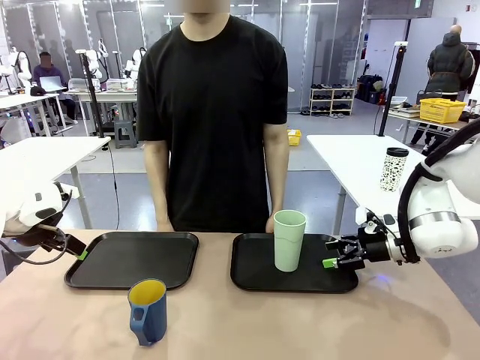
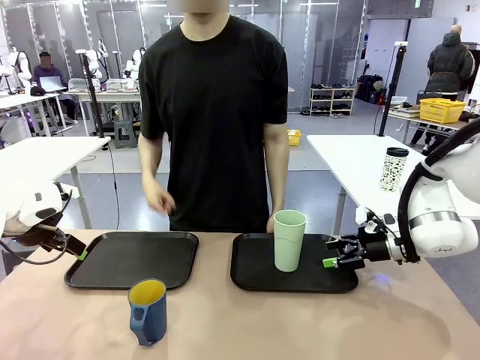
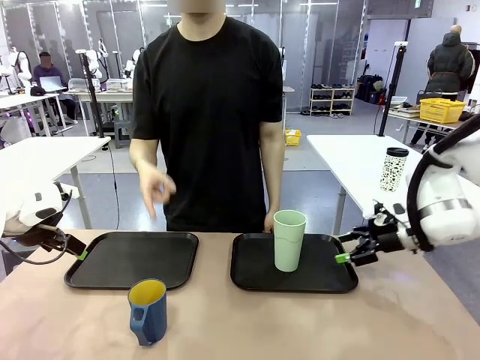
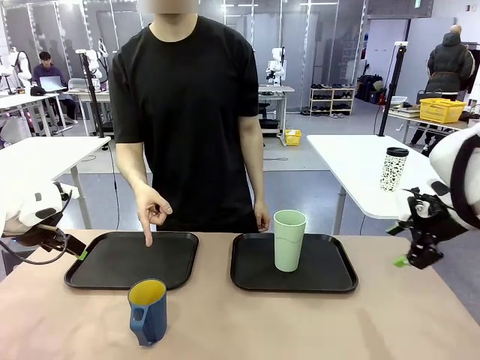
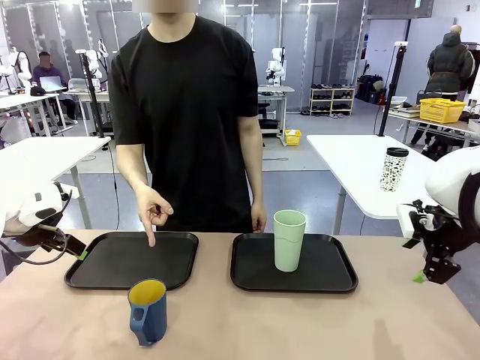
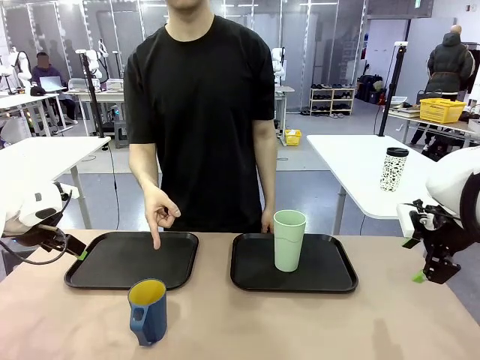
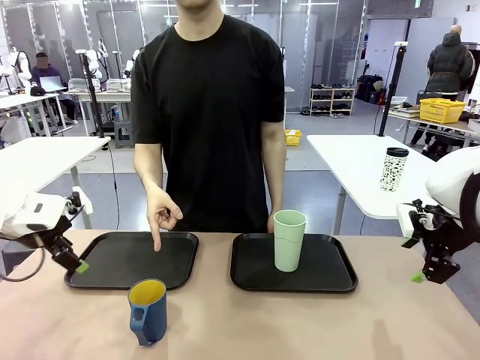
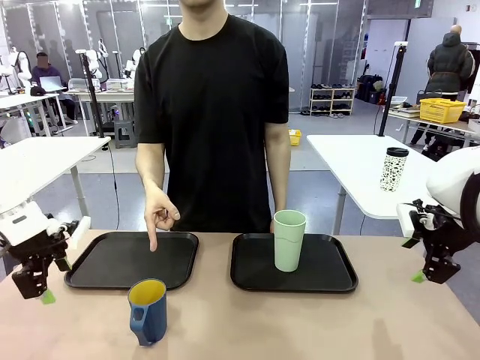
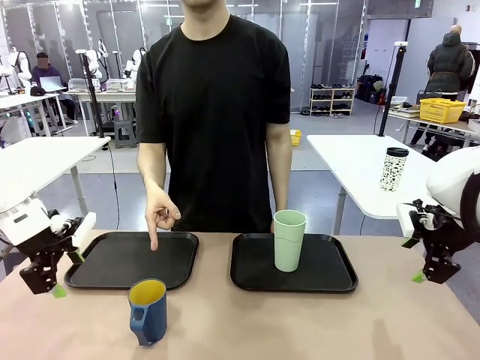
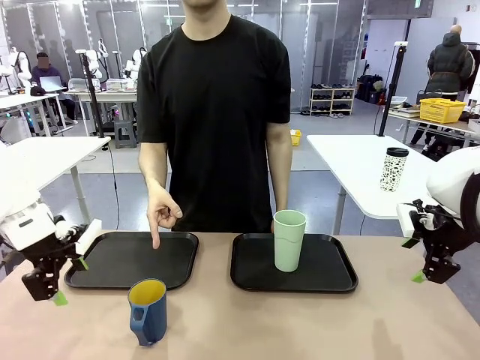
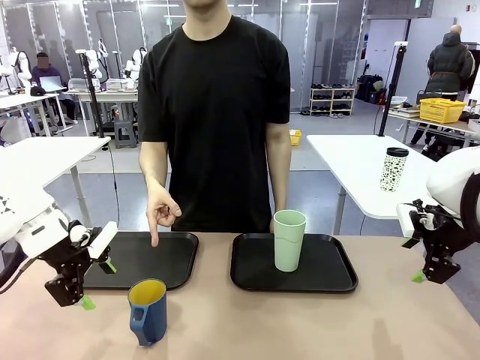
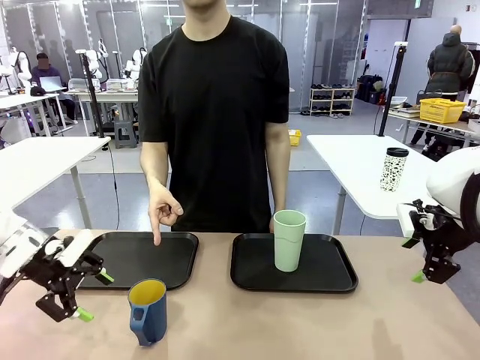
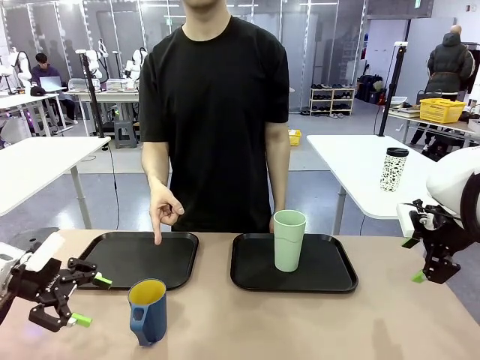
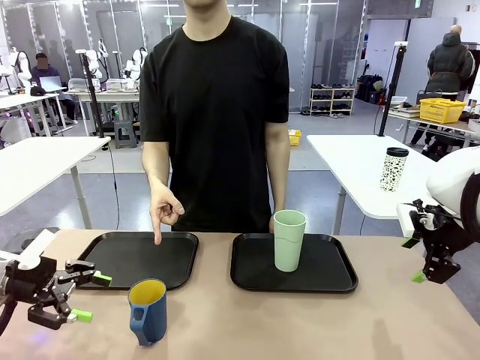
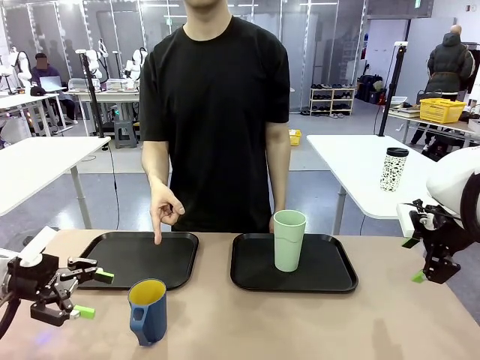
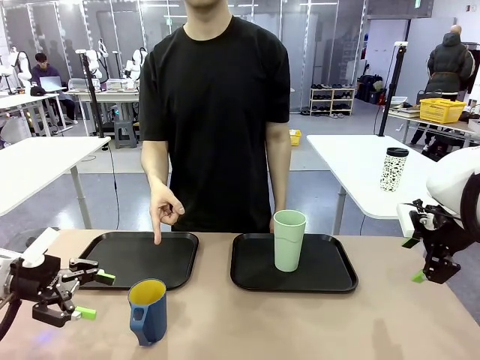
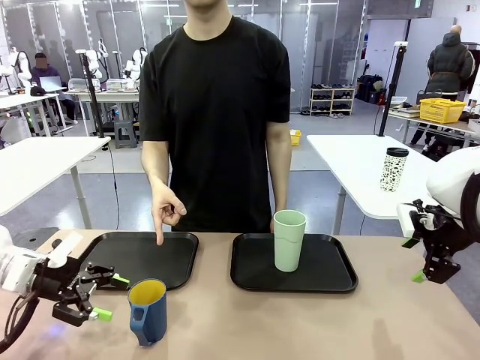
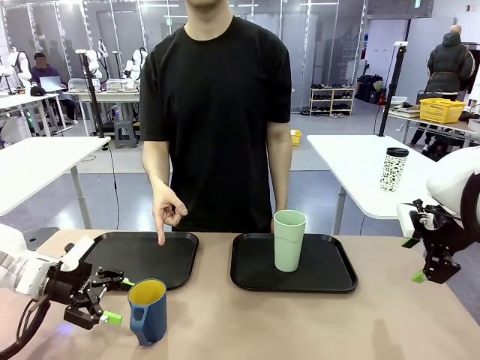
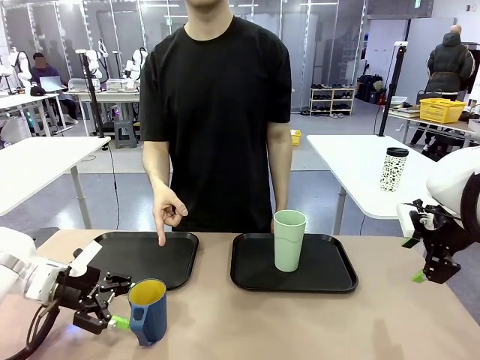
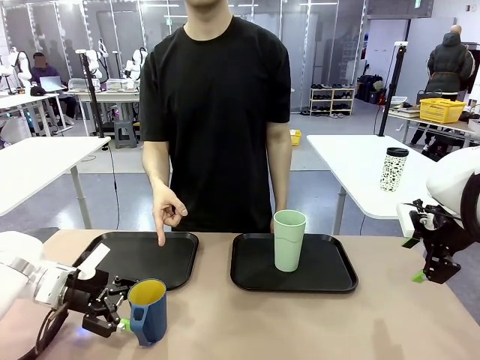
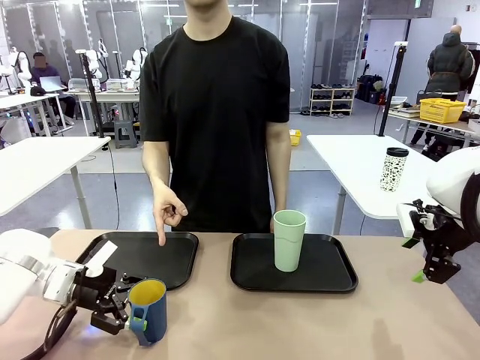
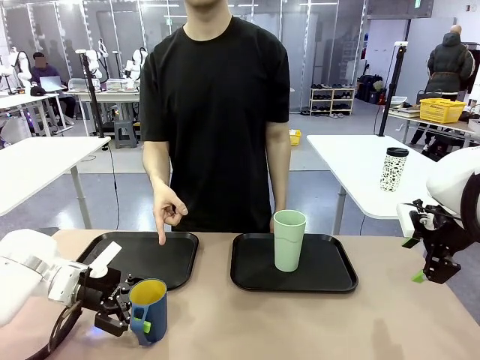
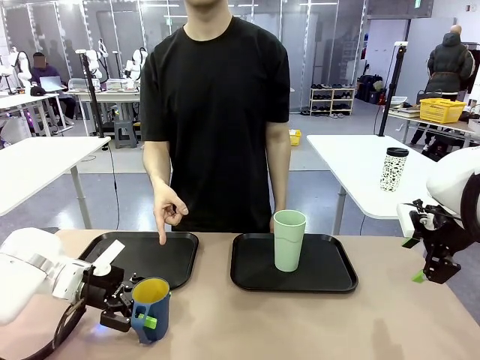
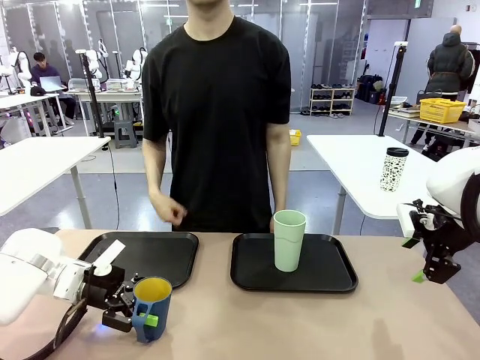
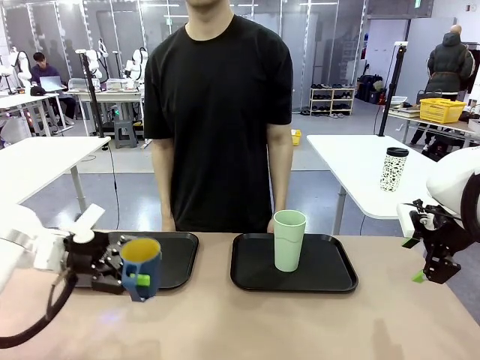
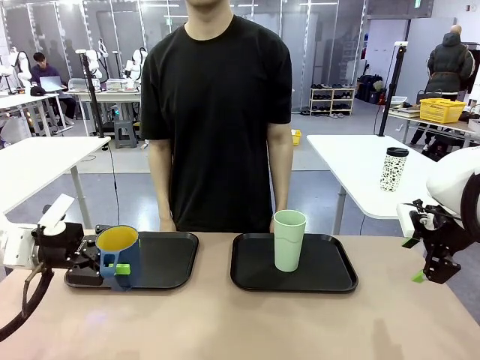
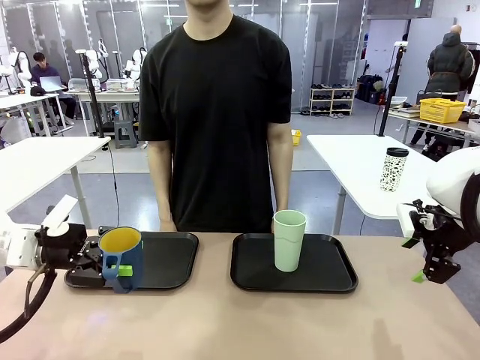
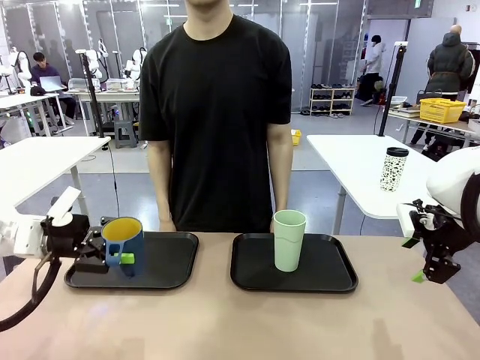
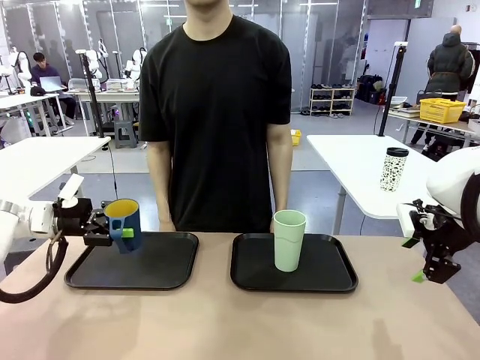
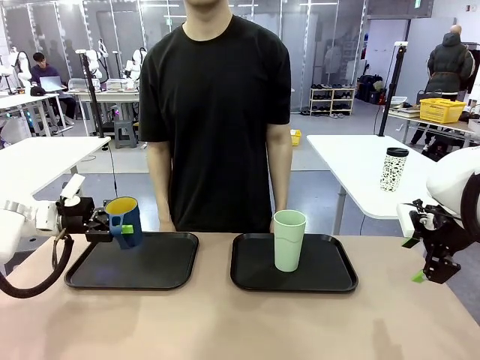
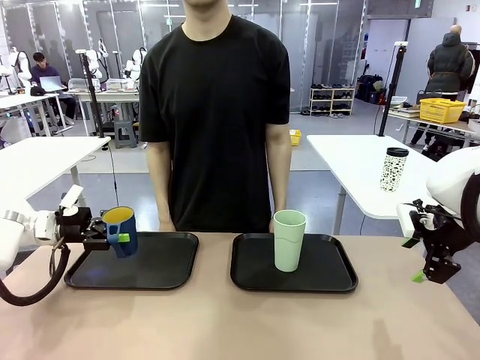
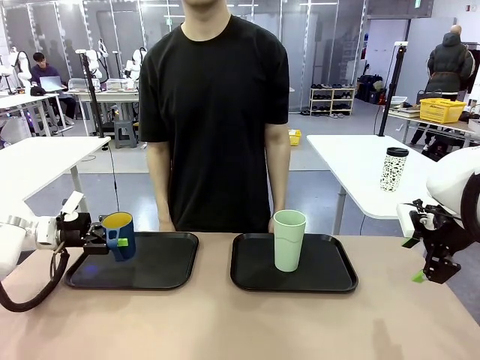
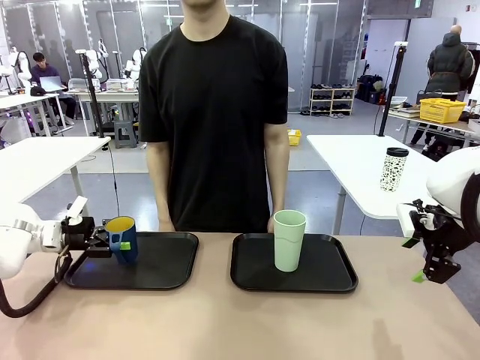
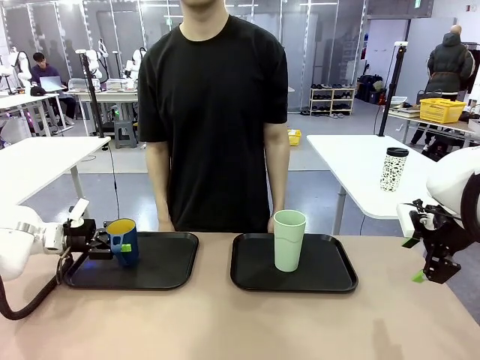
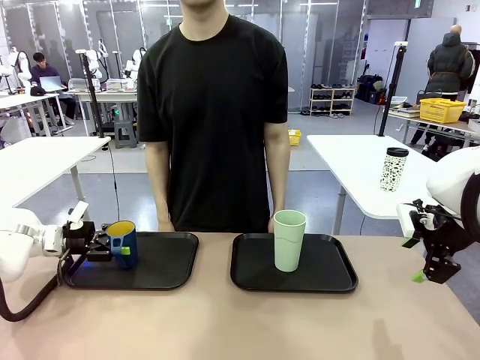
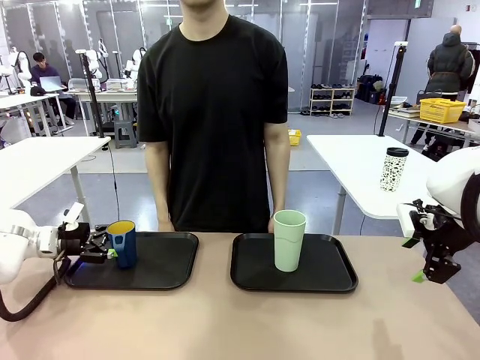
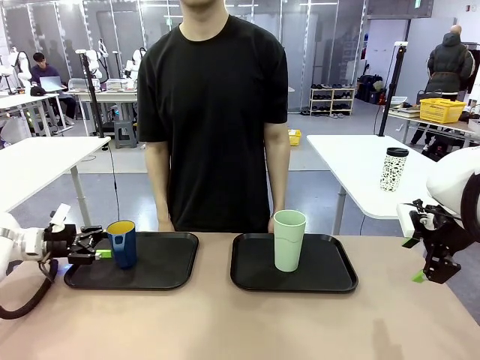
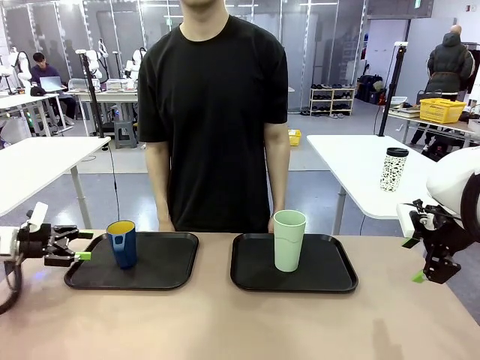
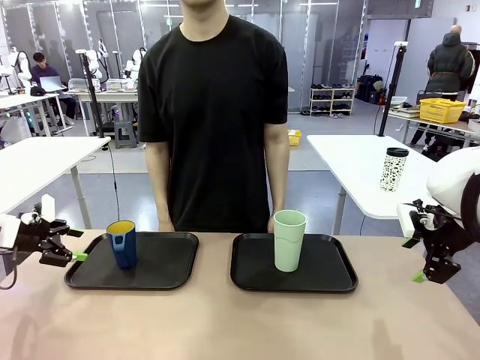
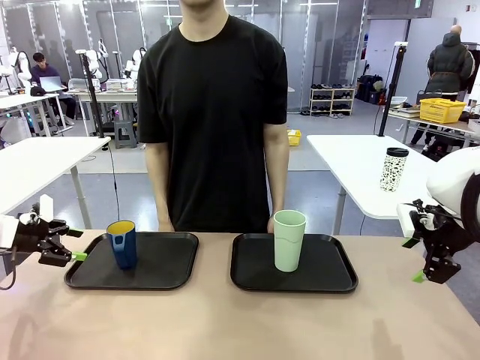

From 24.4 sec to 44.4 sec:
Task: Sort and store the cups by type.
Robot: Pick up the Handle plastic cup and place it into the empty Flat Tray.
Person: Points to the cup with a handle.

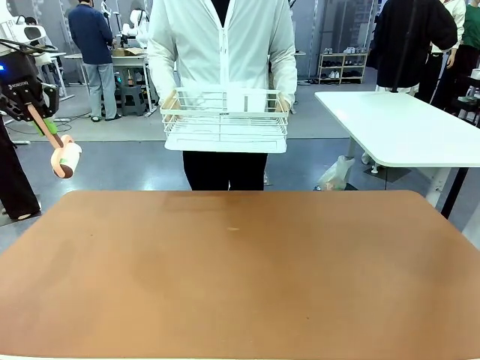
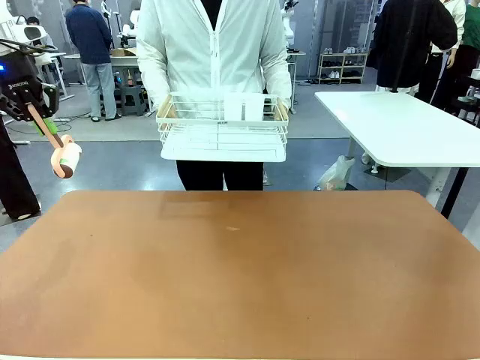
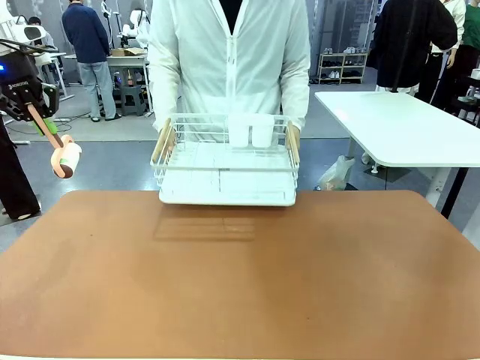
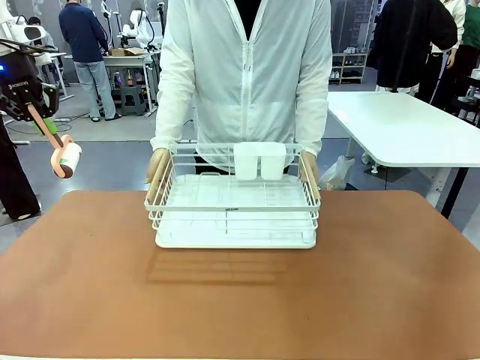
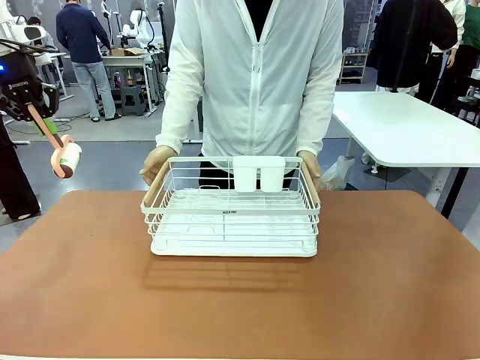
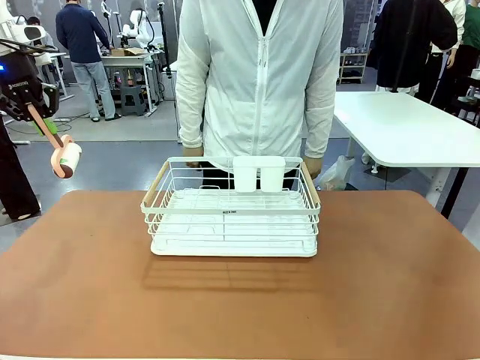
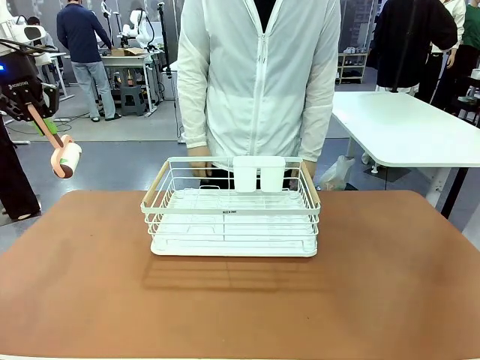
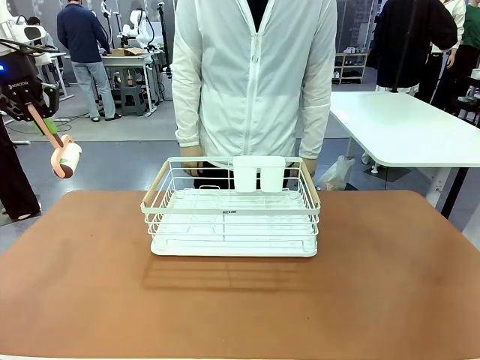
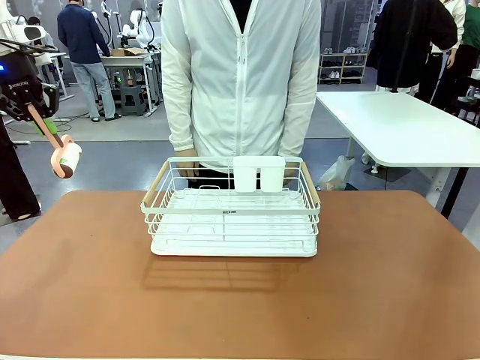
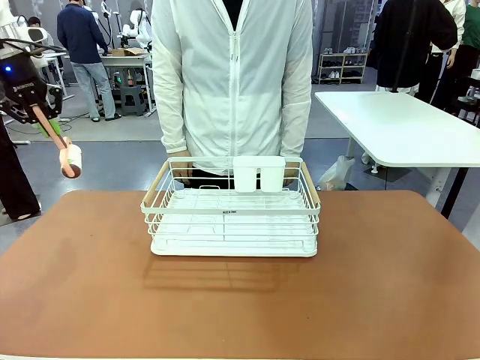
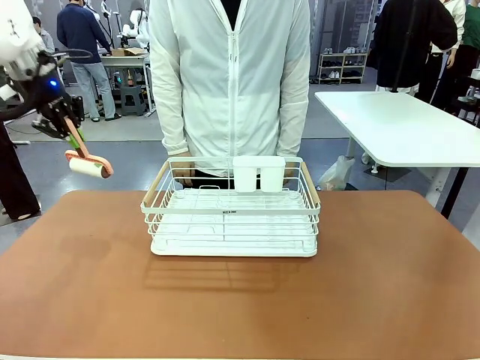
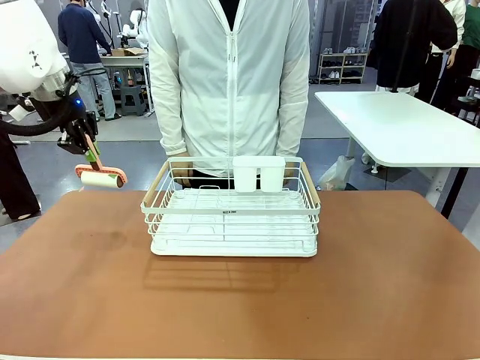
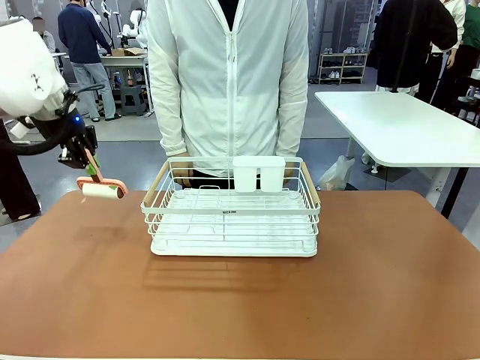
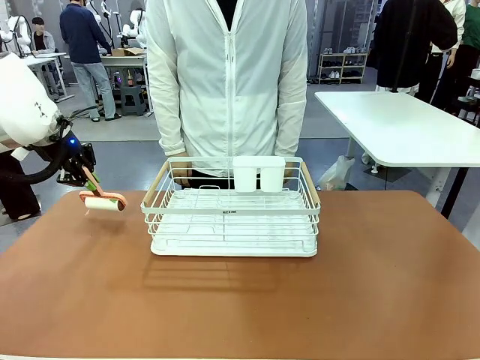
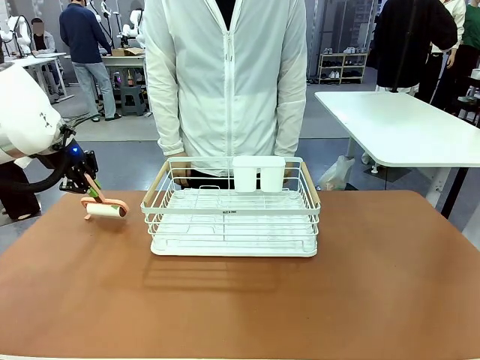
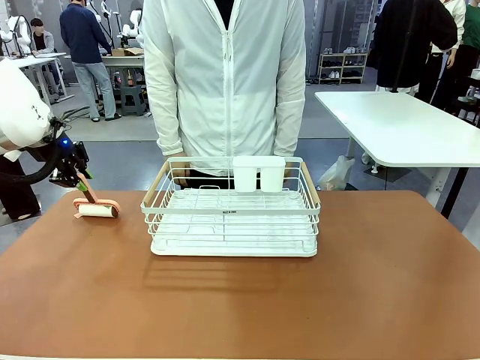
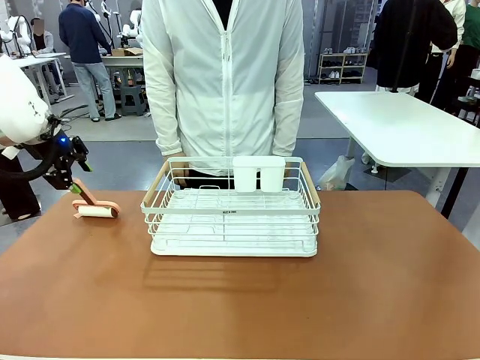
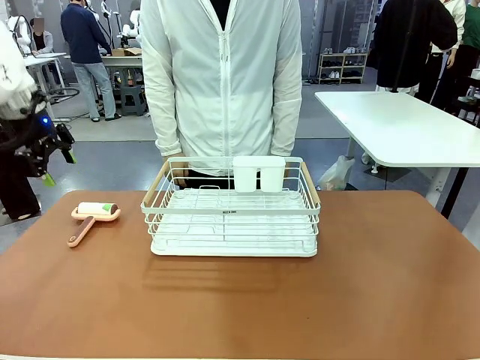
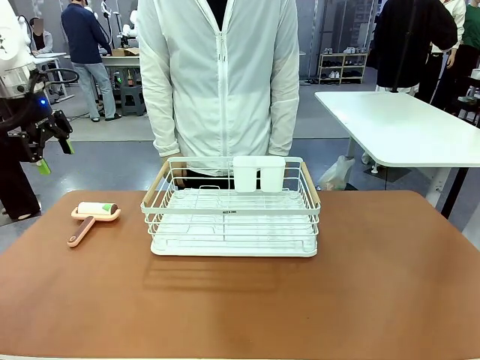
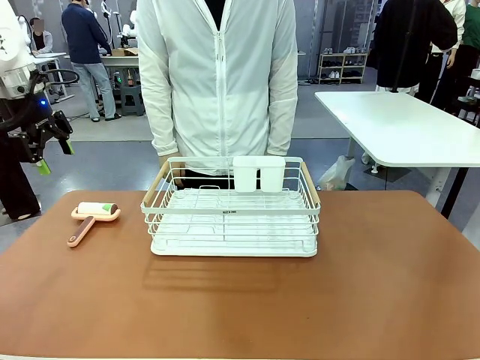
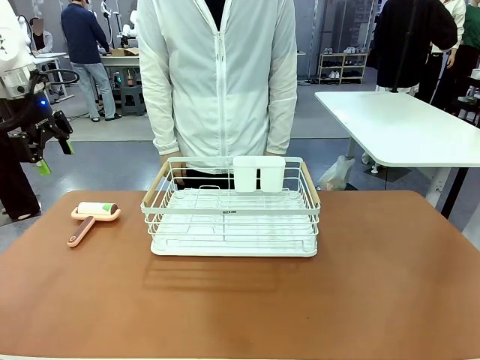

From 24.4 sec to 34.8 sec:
Task: Clean the table.
Robot: Place the Lint Roller down when the Dish drying rack is positioned in the middle of the table.
Person: Place the Dish drying rack down when the robot finishes cleaning.
